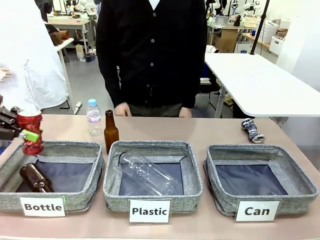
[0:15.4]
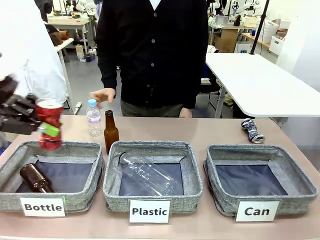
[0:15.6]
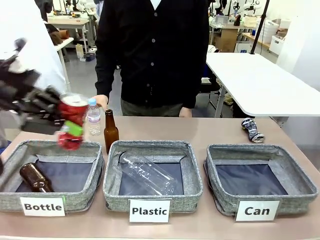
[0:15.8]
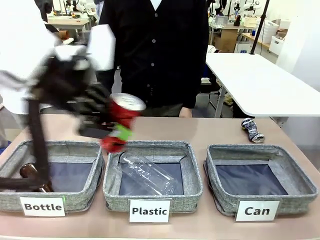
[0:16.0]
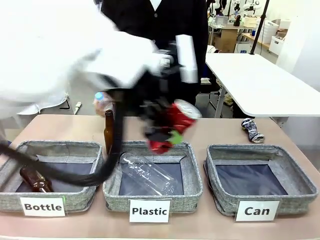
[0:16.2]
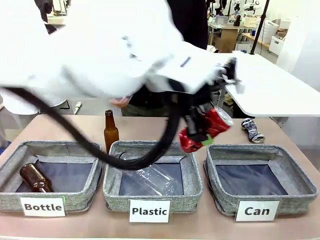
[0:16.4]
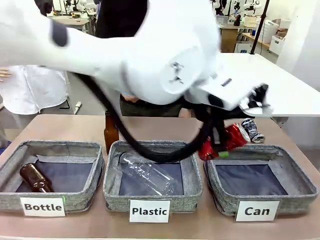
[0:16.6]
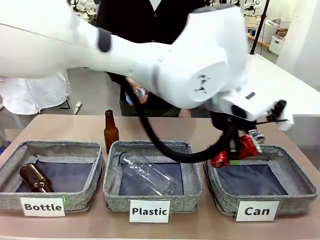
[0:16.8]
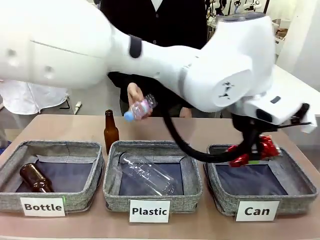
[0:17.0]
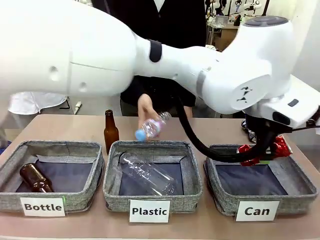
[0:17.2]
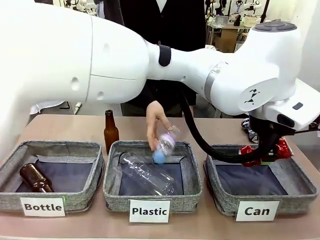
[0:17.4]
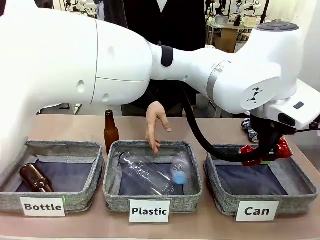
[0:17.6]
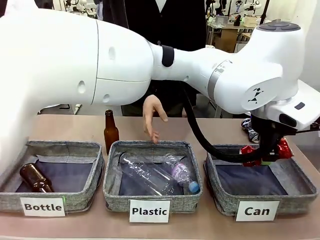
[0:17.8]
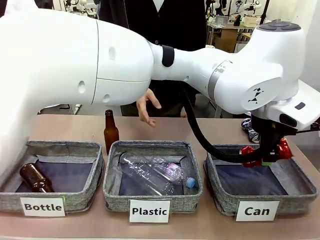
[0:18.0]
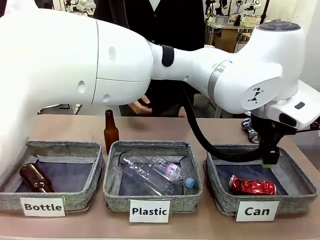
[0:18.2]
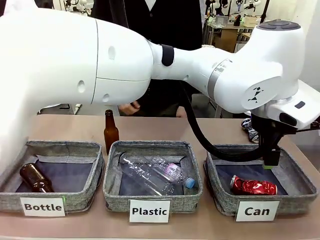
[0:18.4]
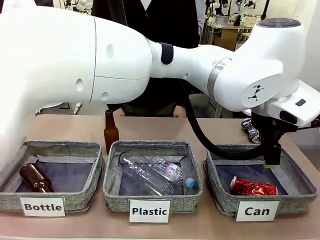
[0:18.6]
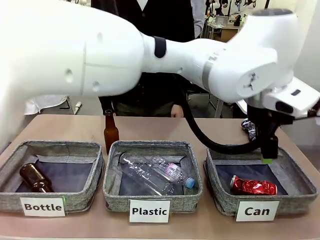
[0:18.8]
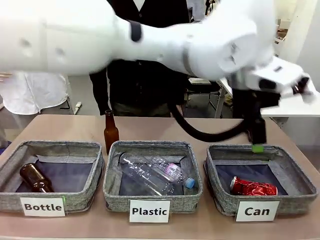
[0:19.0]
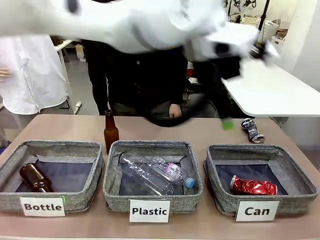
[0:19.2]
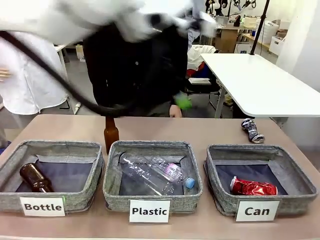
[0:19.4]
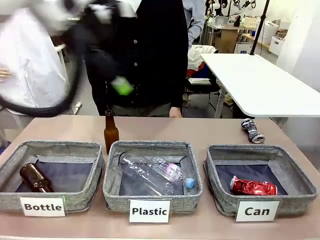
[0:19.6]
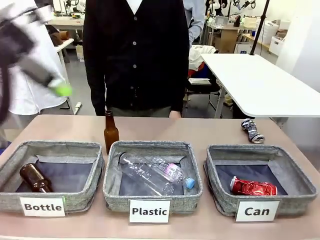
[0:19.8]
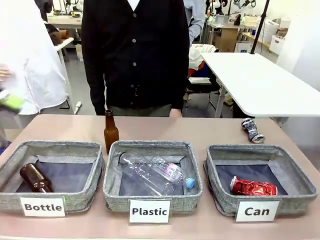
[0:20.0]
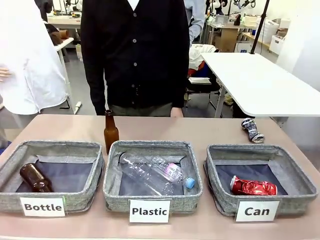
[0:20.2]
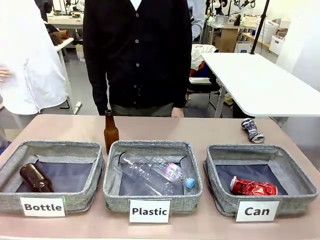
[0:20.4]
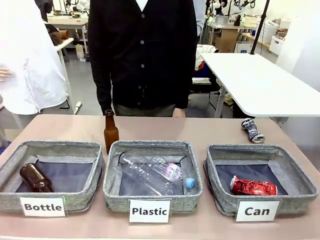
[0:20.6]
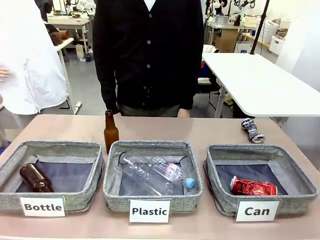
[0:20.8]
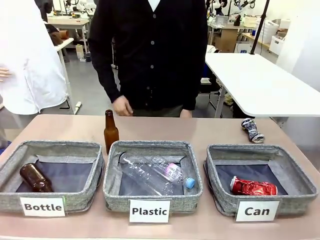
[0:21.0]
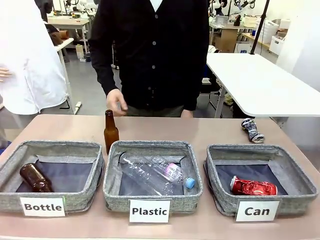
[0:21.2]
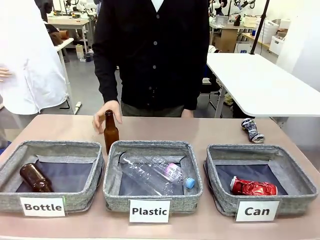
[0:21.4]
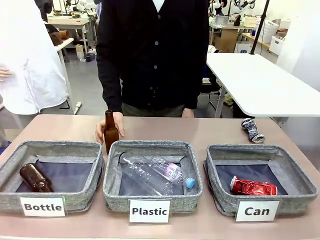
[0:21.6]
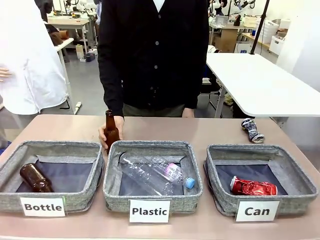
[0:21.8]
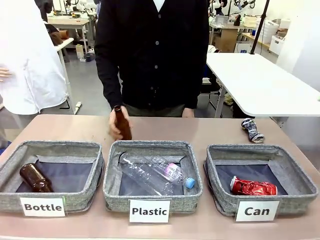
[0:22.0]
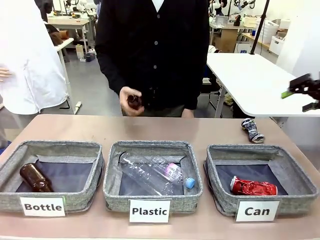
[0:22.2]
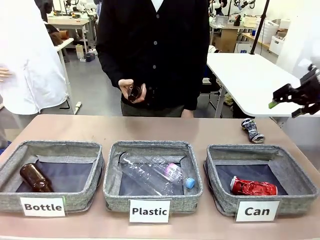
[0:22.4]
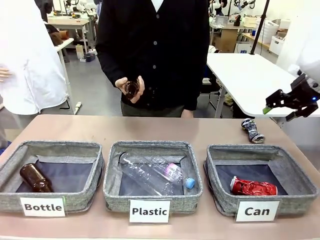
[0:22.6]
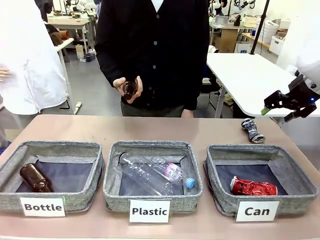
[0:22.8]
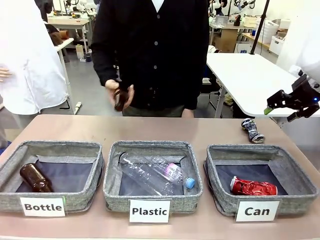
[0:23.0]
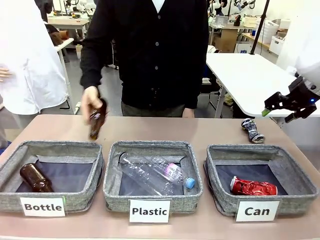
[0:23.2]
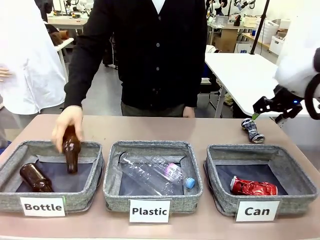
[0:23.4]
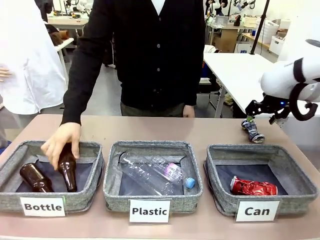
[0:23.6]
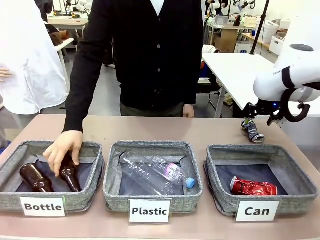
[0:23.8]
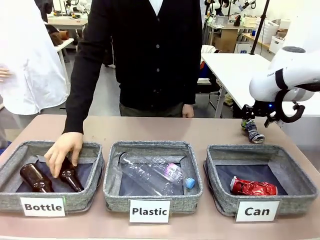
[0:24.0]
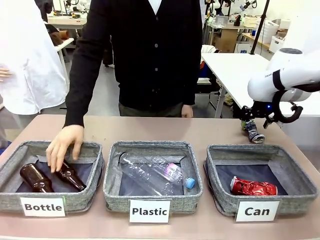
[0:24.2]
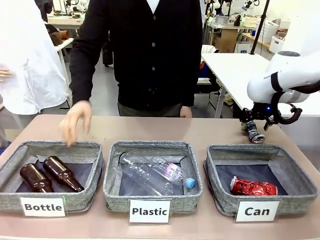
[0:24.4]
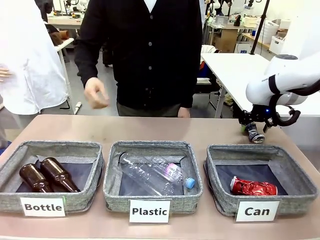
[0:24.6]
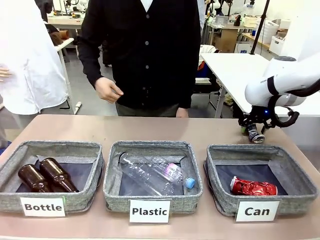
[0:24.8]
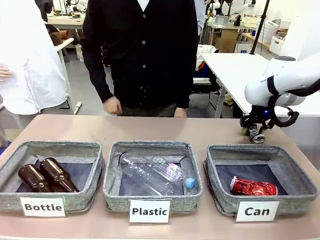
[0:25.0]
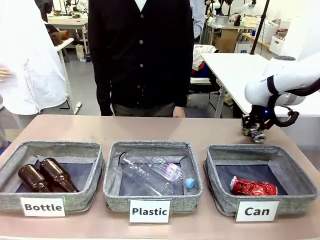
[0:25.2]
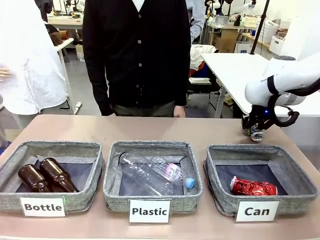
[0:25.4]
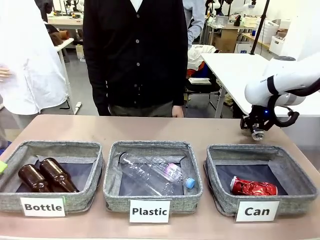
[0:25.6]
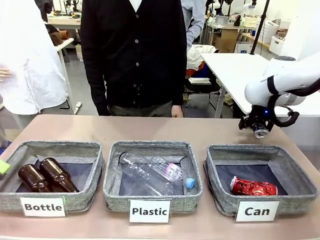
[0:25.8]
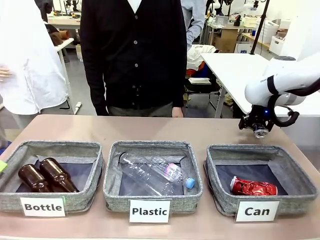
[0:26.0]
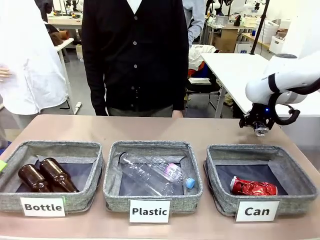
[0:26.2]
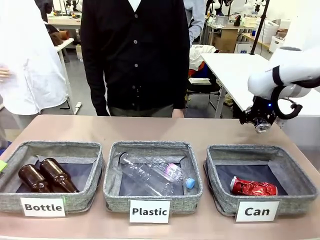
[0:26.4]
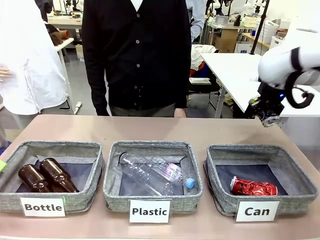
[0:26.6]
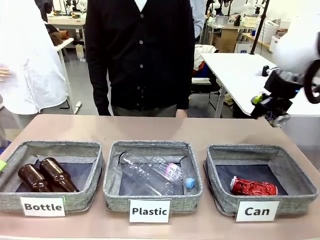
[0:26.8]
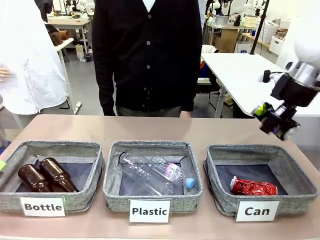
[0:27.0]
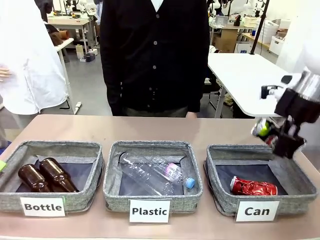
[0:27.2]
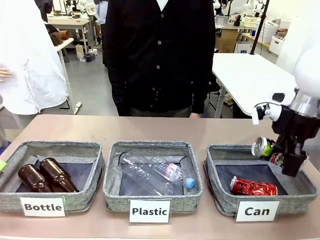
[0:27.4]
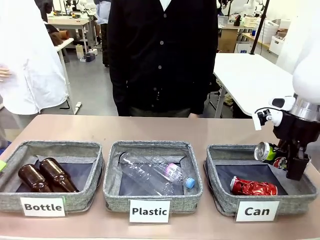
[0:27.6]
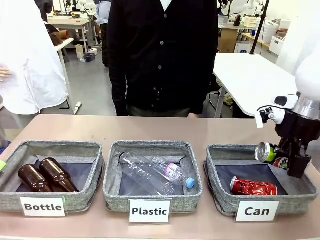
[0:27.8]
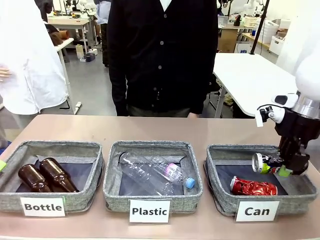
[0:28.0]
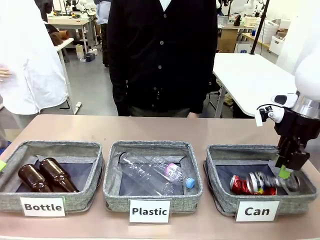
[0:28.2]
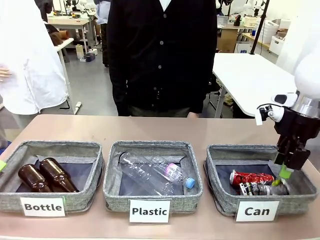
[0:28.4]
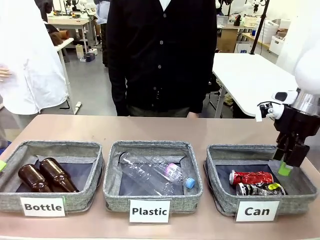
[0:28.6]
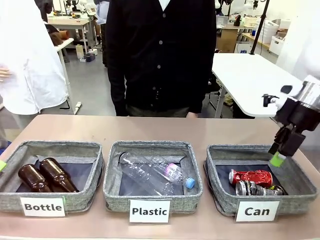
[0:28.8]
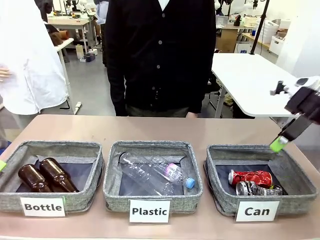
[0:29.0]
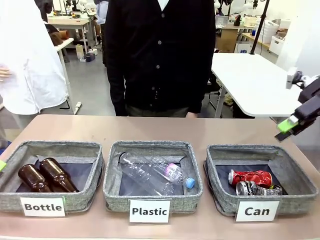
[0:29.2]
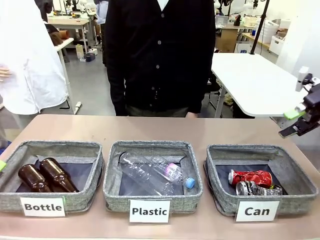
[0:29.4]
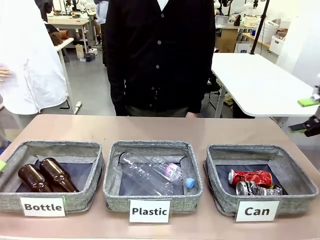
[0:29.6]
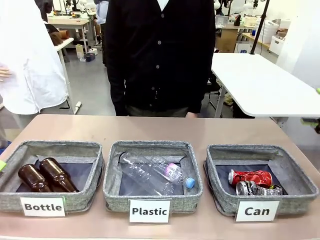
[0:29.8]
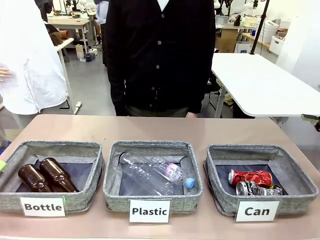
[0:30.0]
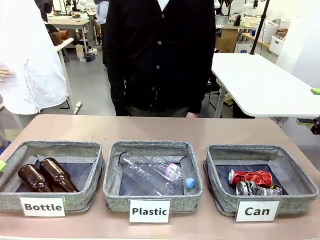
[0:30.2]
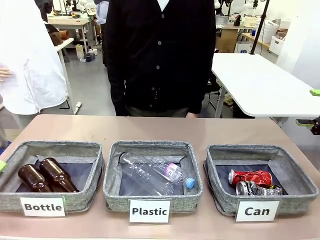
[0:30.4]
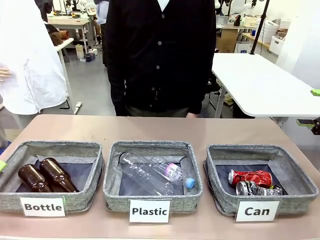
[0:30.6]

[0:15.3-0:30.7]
Task: Sort the can waste into the basket.
Robot: Pick up the can waste from the table and place it in the right Fabric basket.
Person: The human picks up one piece of trash that is not a can and places the trash into the appropriate organizing basket.
